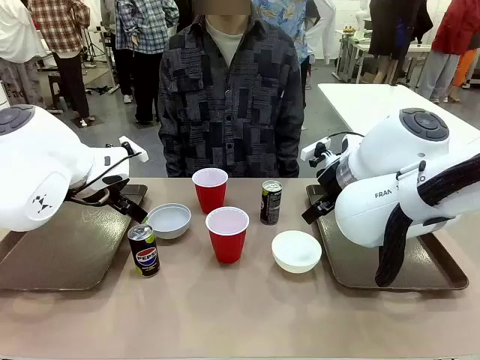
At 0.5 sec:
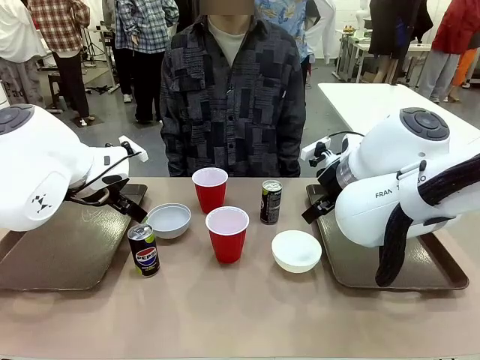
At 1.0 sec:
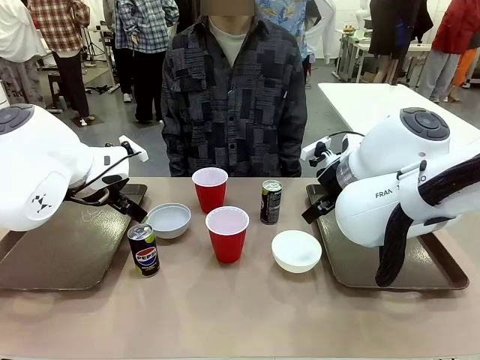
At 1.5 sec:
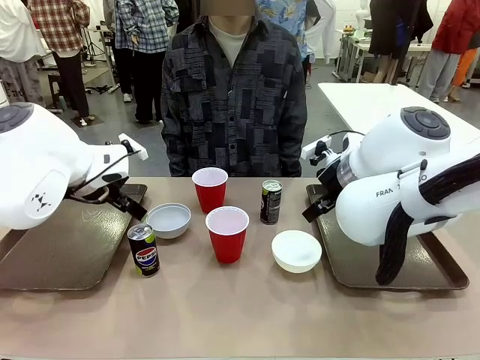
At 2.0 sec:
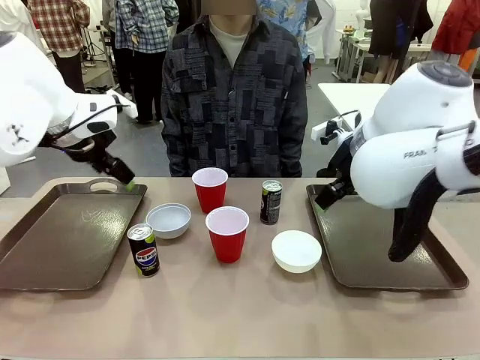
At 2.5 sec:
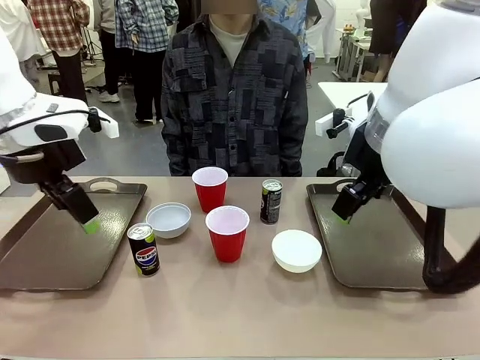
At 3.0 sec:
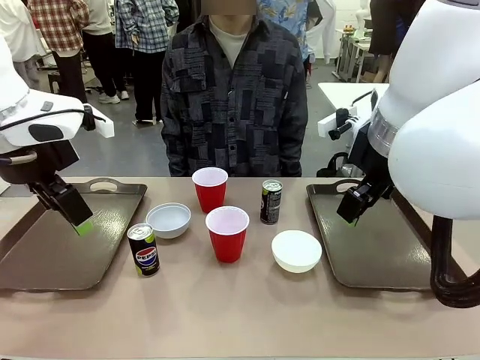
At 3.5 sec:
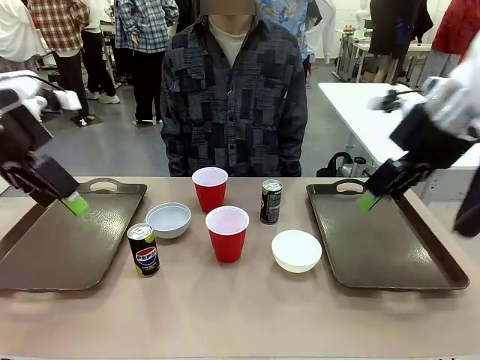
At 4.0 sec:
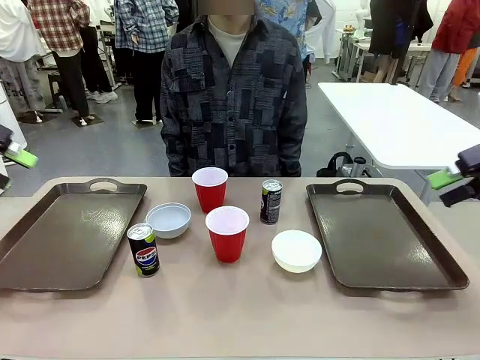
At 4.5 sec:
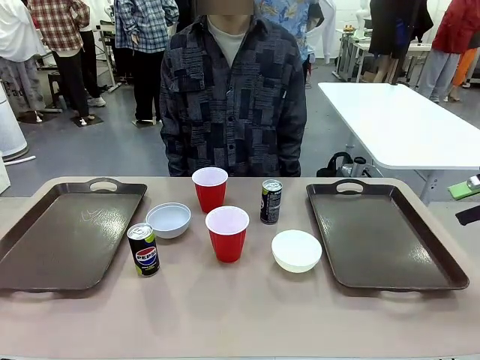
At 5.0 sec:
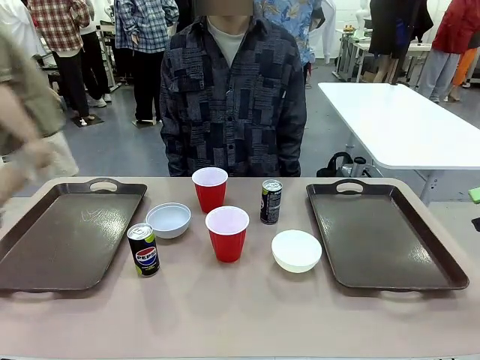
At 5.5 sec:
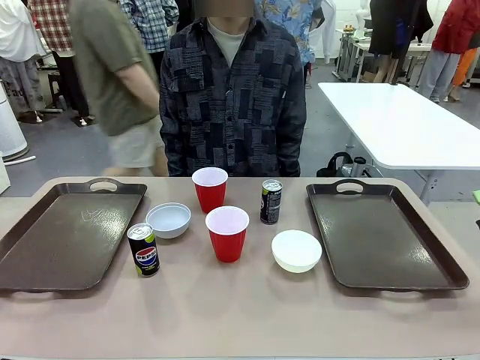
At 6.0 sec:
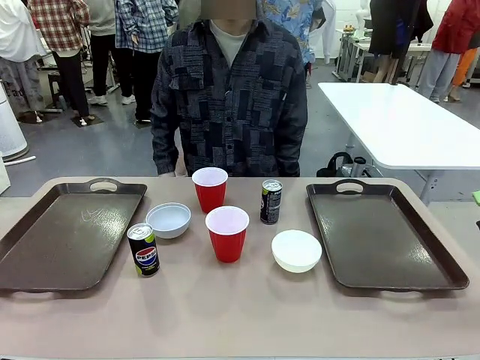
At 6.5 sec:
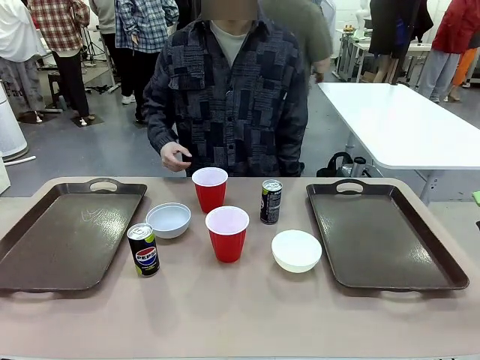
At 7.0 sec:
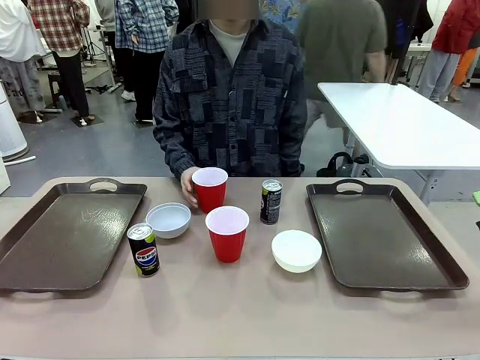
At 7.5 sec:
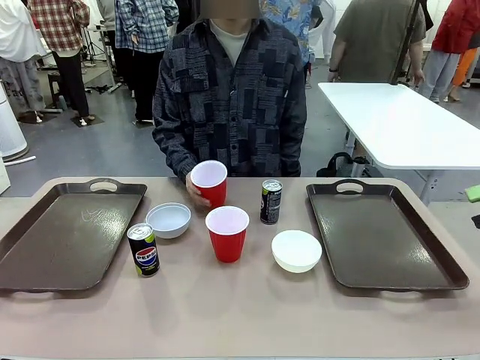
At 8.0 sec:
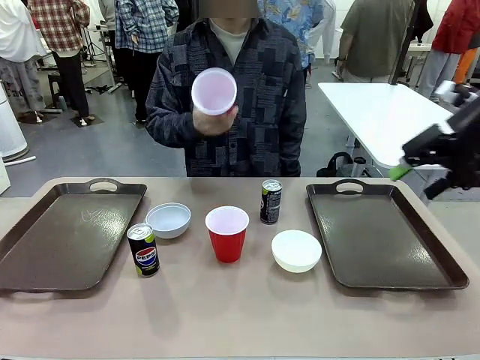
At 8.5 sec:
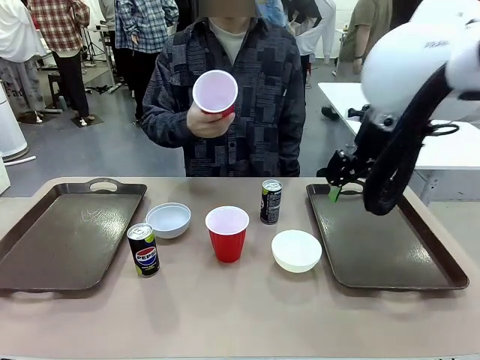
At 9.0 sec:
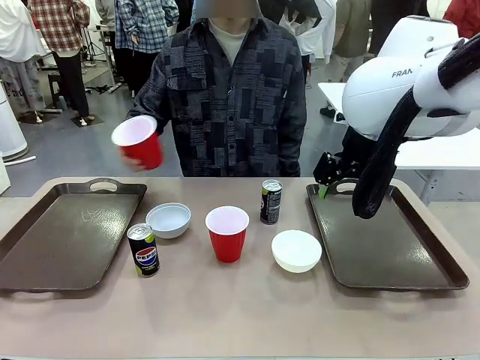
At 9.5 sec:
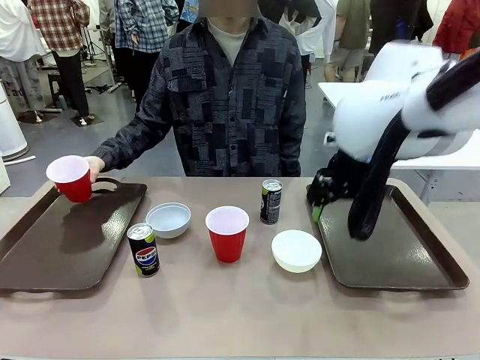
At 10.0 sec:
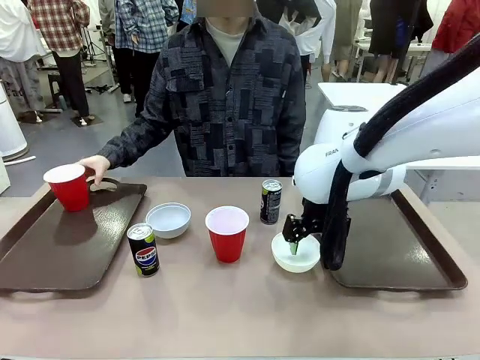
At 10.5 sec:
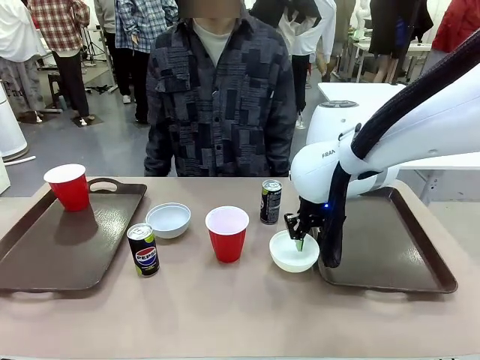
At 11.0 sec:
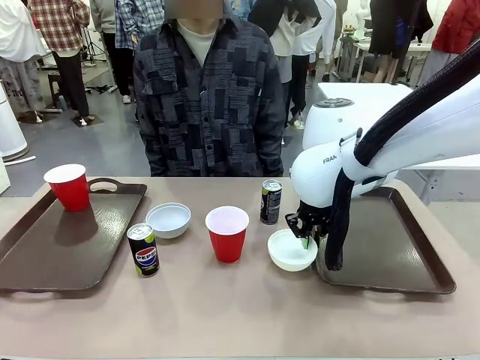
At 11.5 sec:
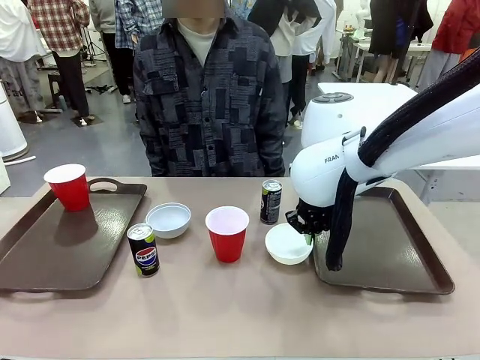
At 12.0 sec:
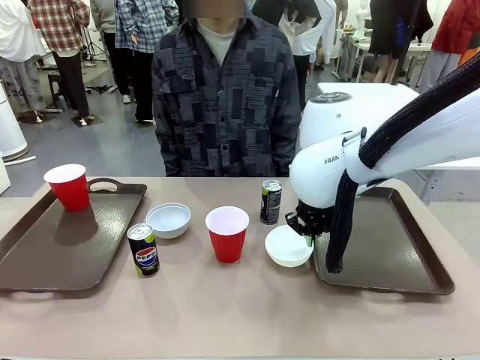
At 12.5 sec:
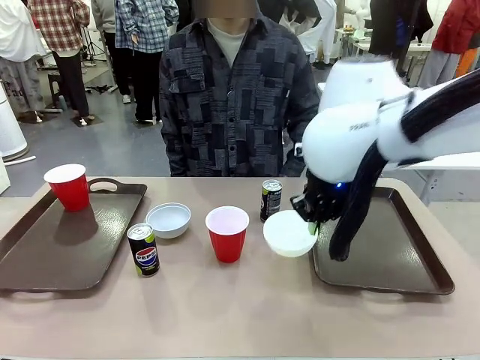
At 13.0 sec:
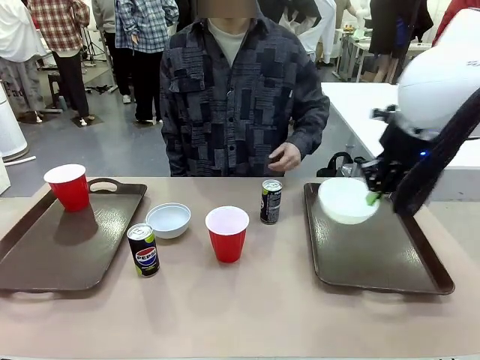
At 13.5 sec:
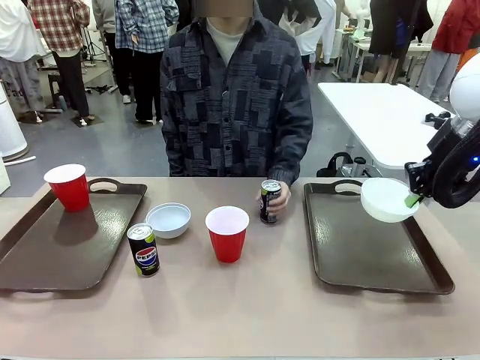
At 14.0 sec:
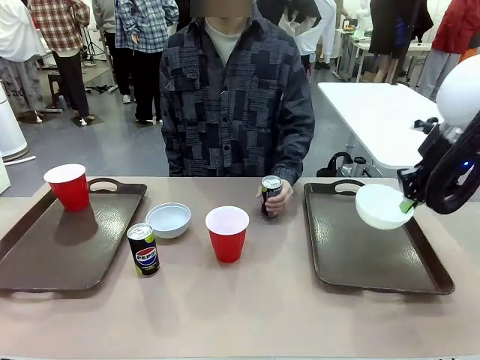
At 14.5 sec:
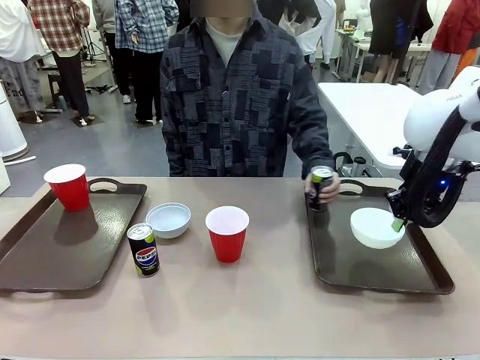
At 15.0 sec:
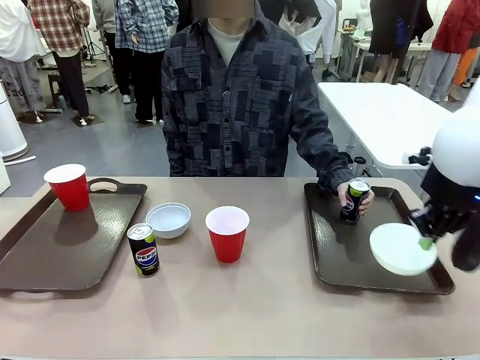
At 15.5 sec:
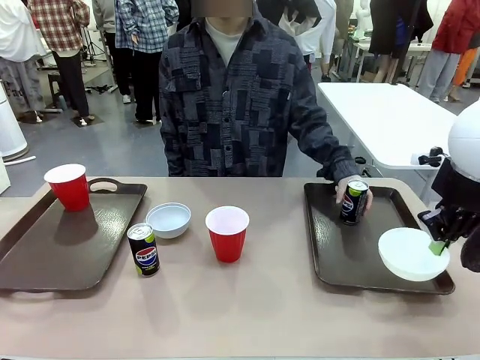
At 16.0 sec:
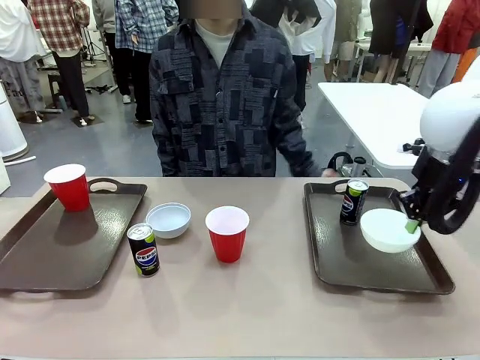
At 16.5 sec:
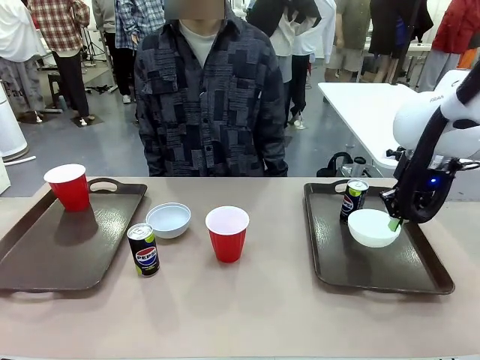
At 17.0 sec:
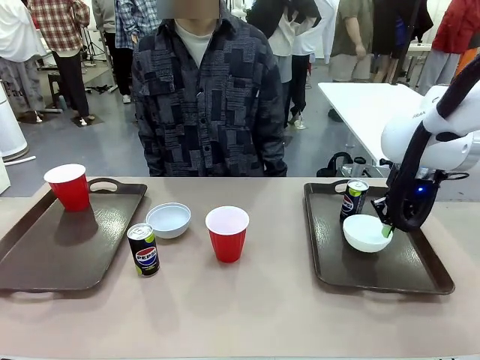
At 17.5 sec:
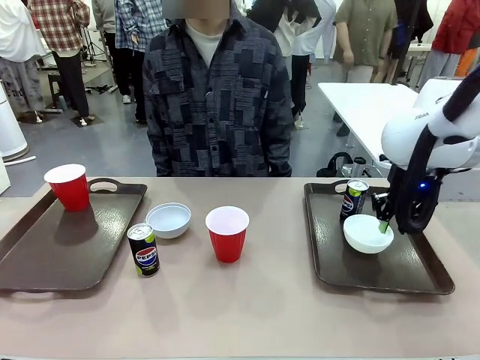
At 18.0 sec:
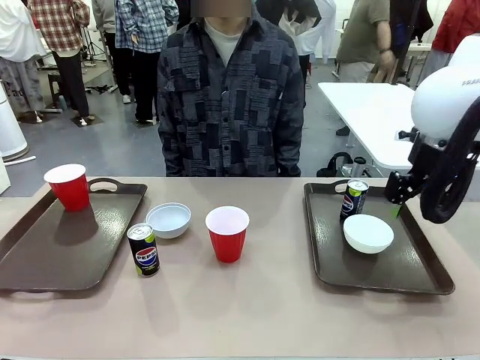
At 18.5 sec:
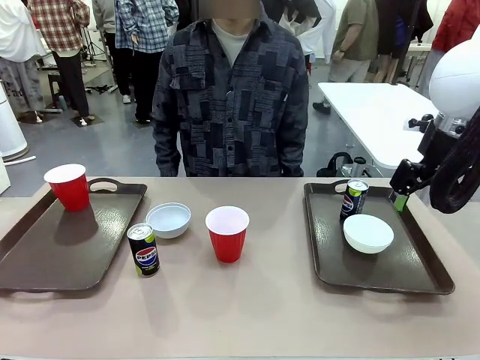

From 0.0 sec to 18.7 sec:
Task: Prepare tableware on both trays.
Robot: Pick up a Picnic Bowl from the table and place it on a Handle tray.
Person: Pick up a can or cup and place it on the tray.
